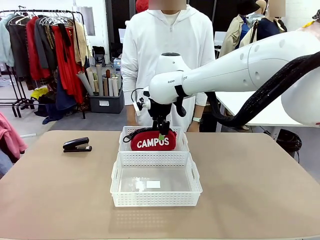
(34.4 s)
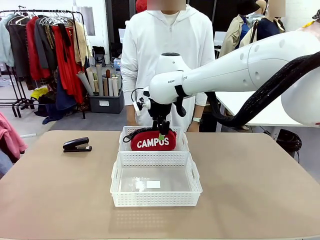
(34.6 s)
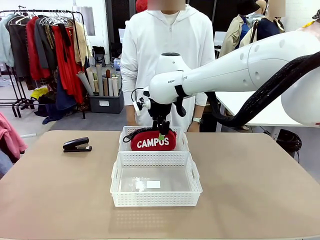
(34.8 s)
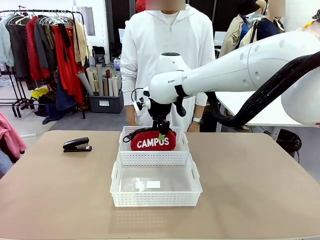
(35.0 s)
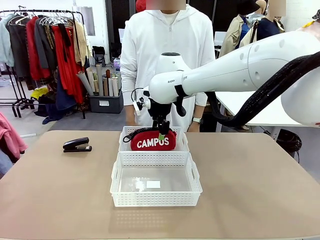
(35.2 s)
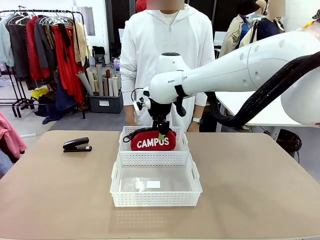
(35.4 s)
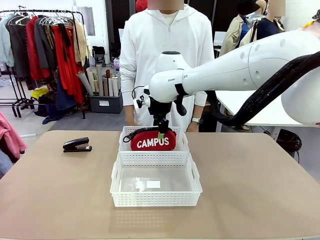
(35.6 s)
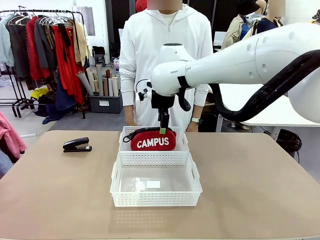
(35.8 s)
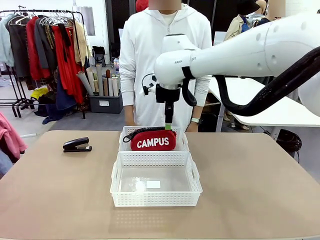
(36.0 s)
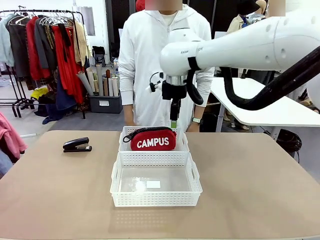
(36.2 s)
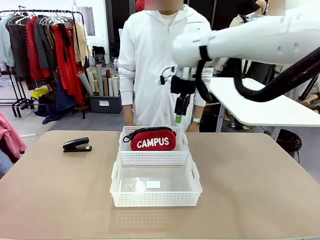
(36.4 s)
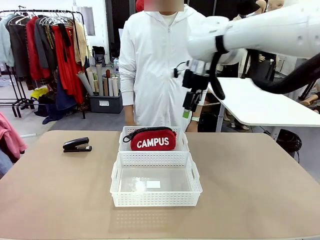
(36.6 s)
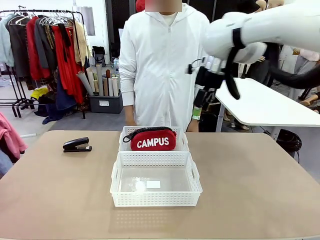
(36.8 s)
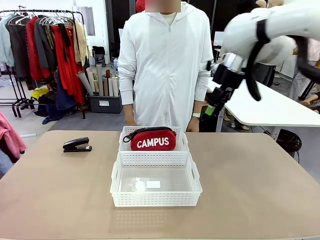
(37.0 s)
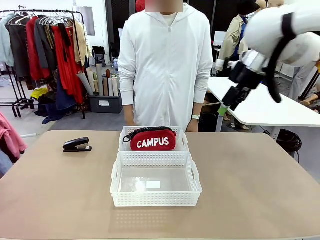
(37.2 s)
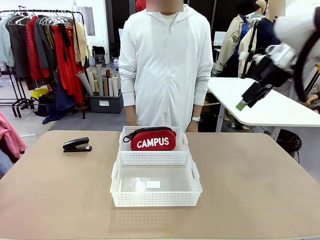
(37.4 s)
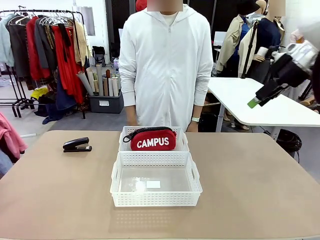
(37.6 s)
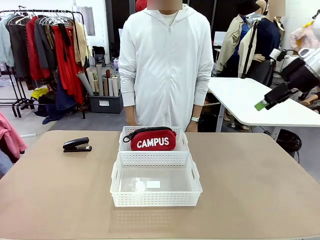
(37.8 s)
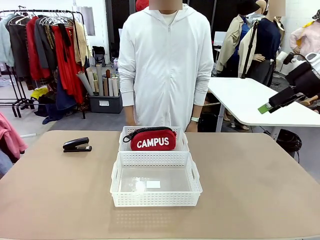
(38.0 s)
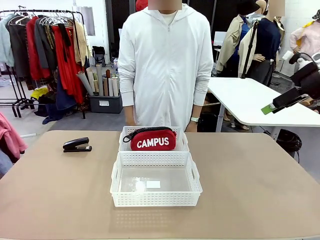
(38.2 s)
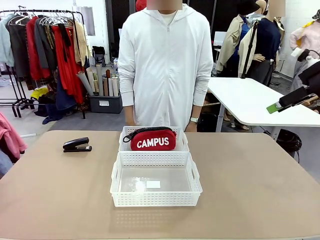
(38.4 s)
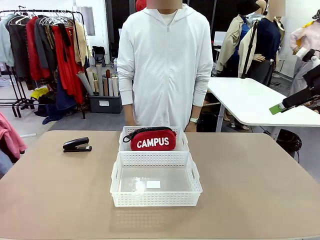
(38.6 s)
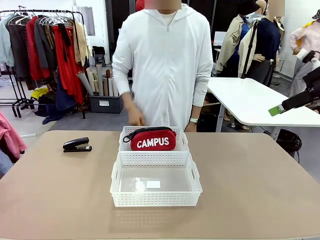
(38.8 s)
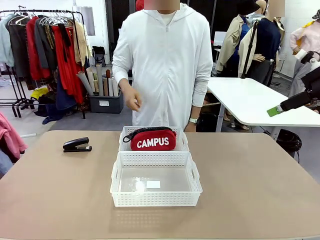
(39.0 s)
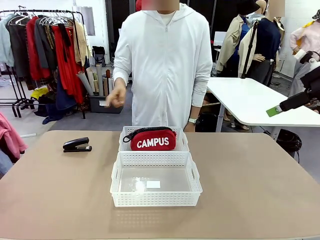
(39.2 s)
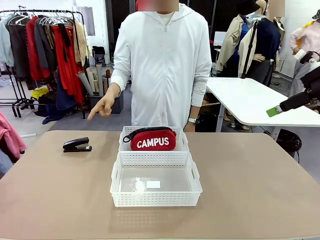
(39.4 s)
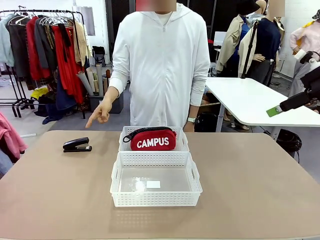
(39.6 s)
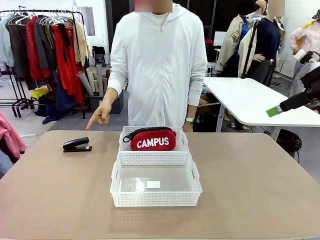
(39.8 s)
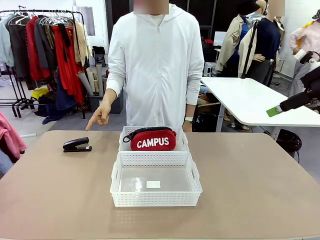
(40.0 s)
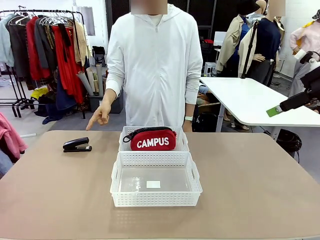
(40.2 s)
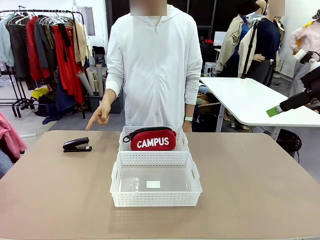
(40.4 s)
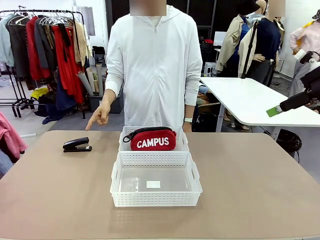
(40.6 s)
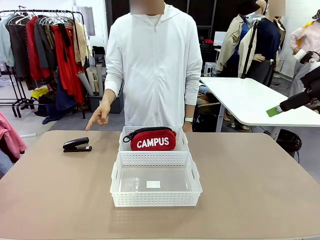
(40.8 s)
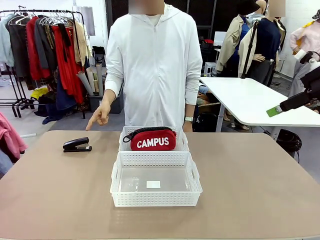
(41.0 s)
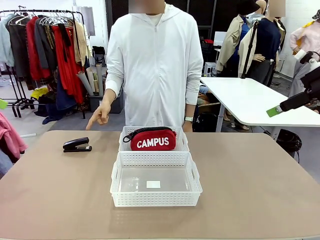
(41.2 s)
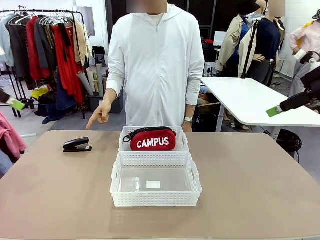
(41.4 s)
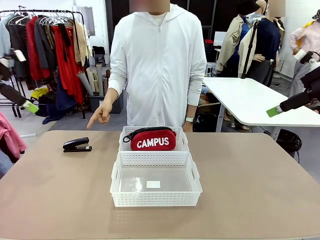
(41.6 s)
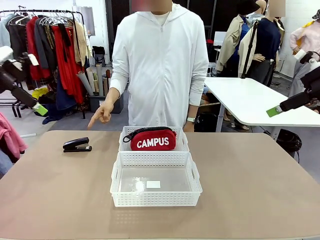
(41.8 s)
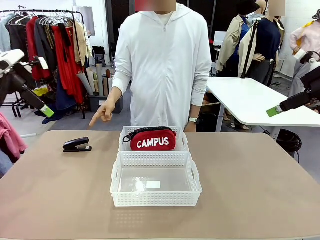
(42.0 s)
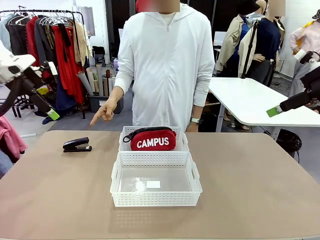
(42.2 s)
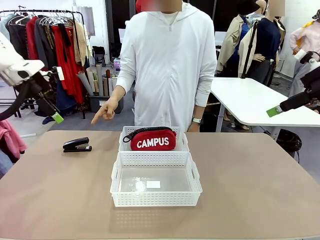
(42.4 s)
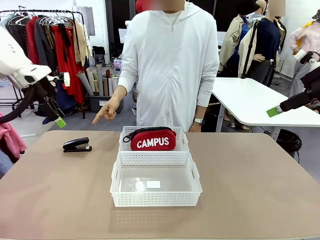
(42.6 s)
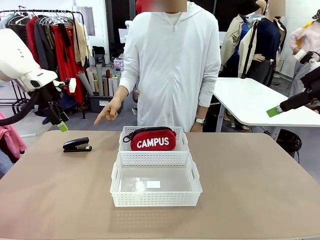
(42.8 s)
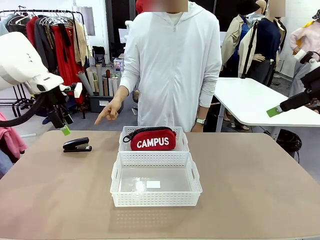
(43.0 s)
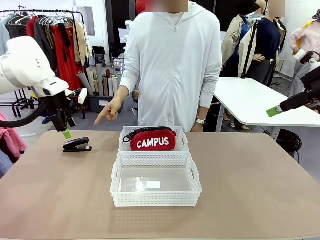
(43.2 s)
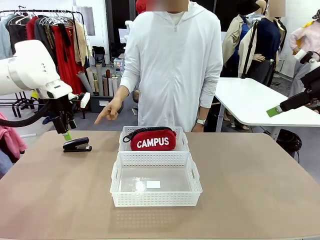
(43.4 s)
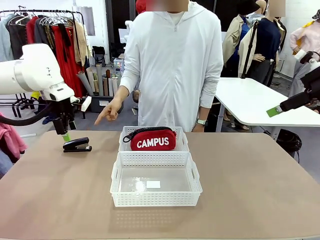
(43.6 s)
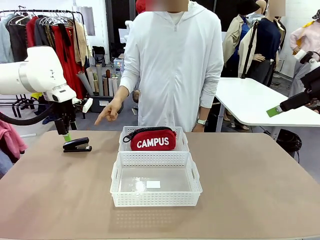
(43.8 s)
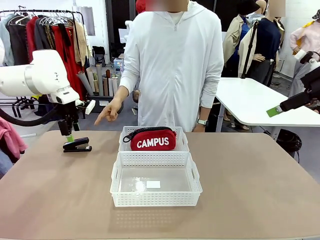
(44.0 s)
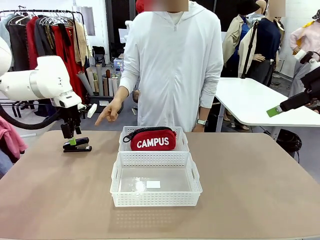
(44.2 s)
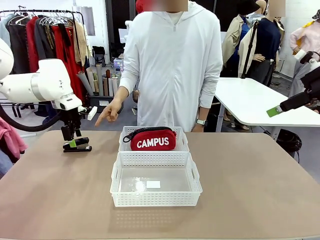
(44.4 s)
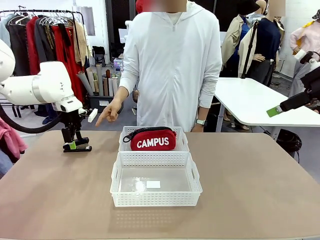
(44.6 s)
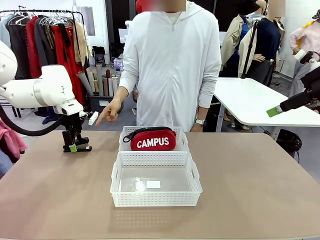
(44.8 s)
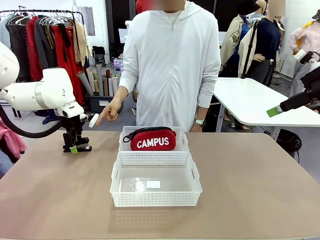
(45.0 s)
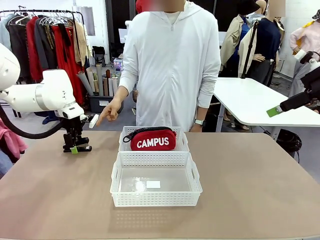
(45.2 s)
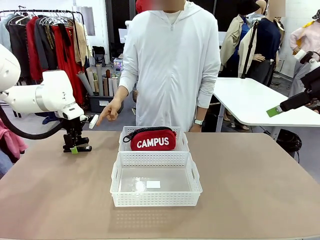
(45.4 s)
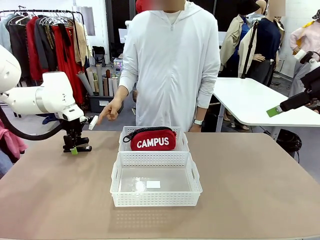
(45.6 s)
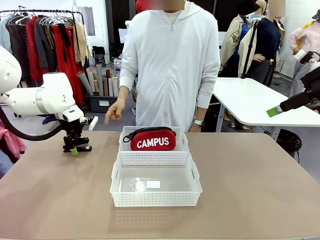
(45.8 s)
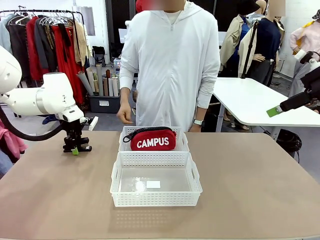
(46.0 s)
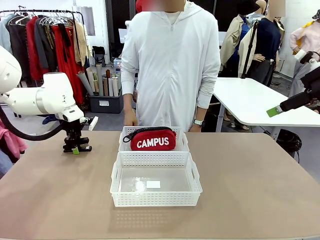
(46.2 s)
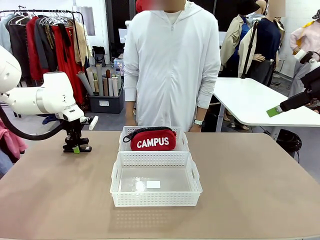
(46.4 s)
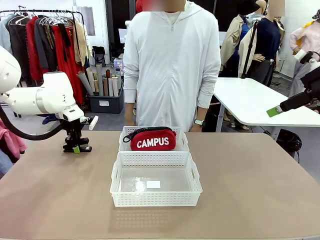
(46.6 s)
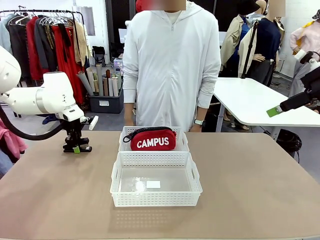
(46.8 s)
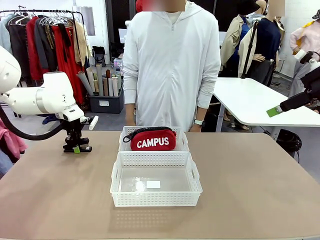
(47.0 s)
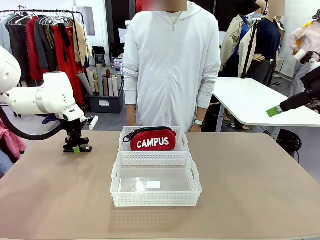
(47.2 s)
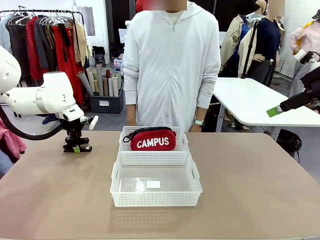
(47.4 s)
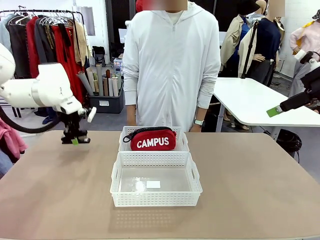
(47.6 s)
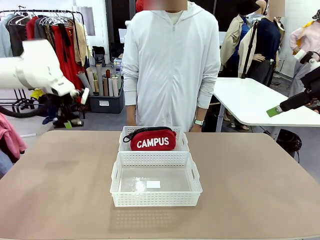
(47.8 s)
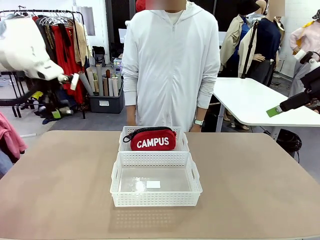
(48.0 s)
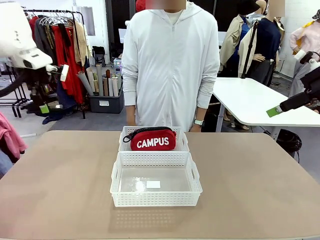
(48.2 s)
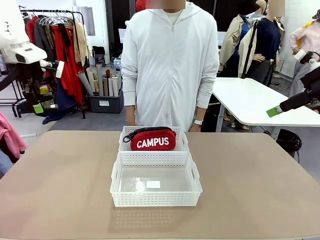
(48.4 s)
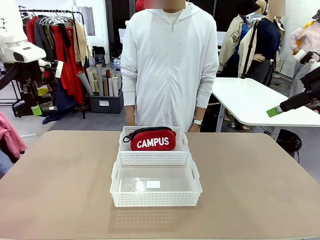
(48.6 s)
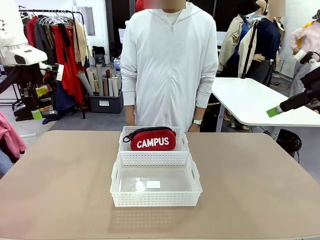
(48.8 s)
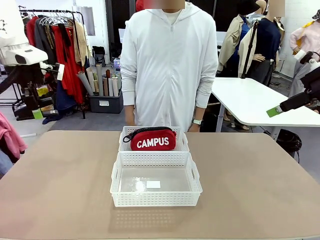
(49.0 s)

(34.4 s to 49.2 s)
Task: Distribute items into two baskets.
Robot: Pick up the Stapler that the person points to.
